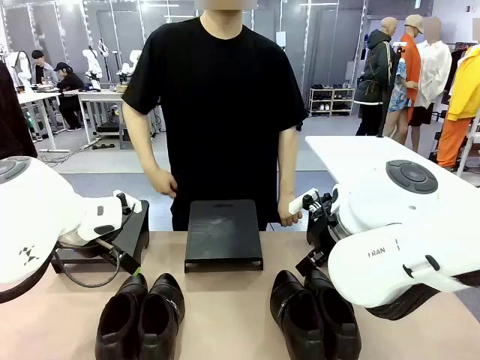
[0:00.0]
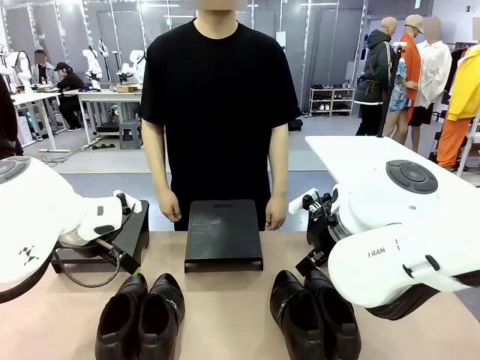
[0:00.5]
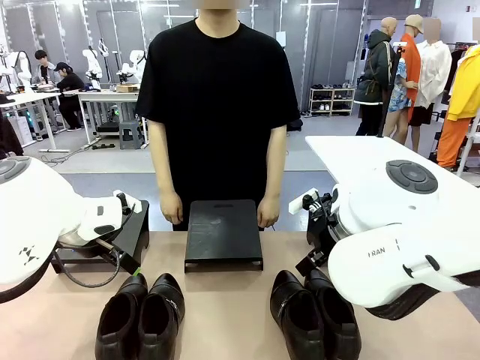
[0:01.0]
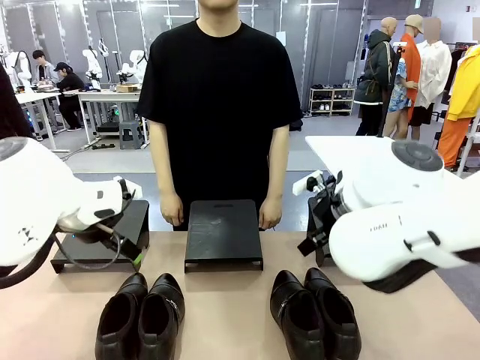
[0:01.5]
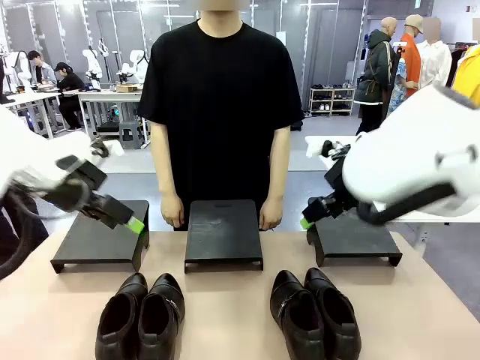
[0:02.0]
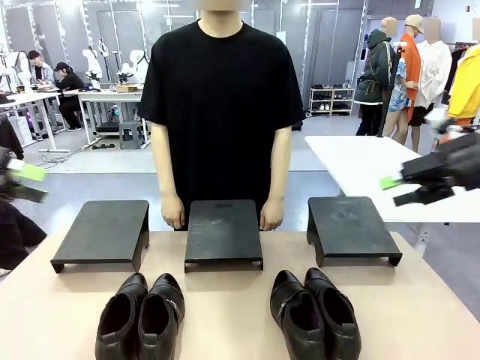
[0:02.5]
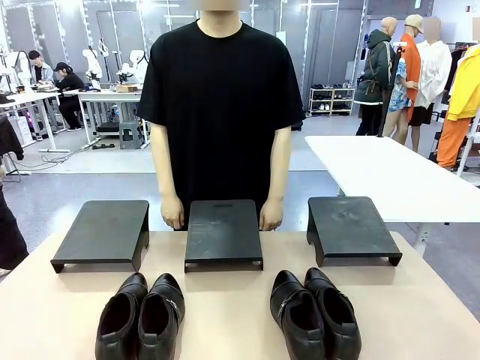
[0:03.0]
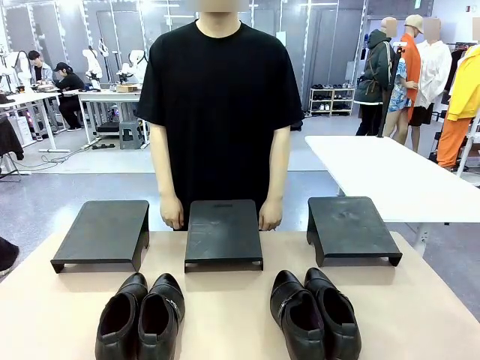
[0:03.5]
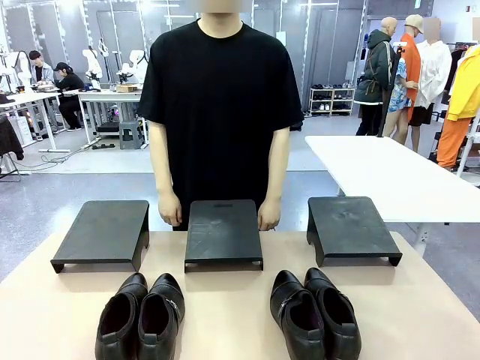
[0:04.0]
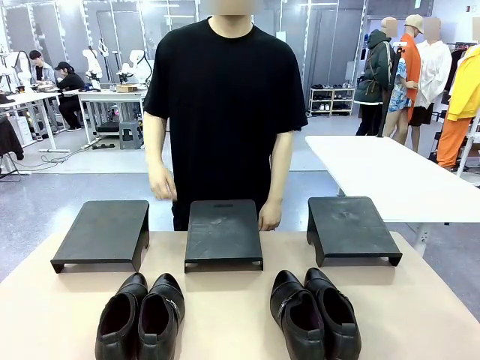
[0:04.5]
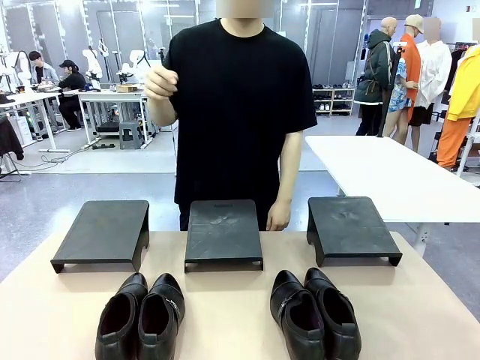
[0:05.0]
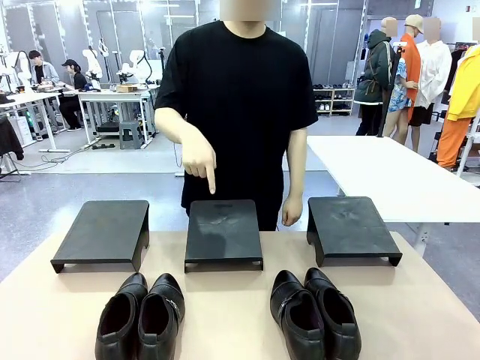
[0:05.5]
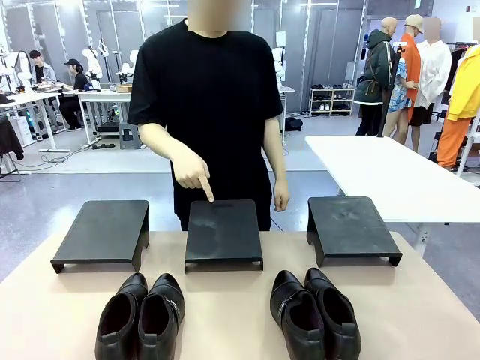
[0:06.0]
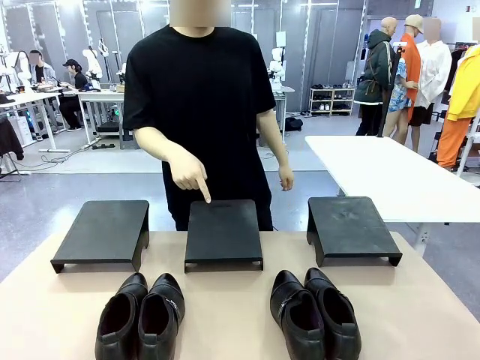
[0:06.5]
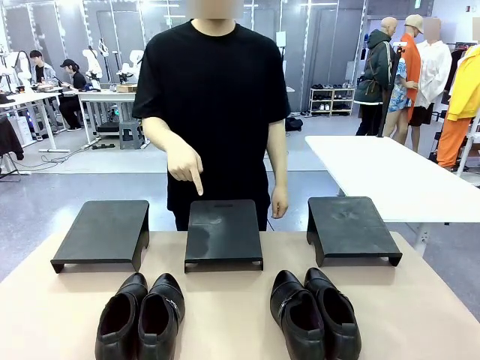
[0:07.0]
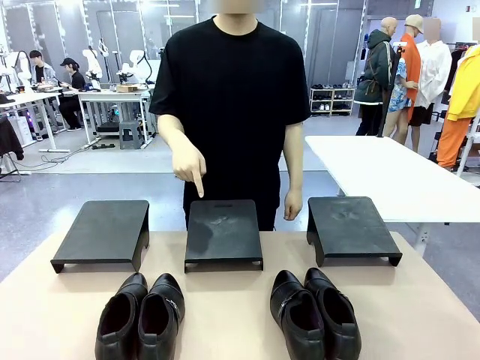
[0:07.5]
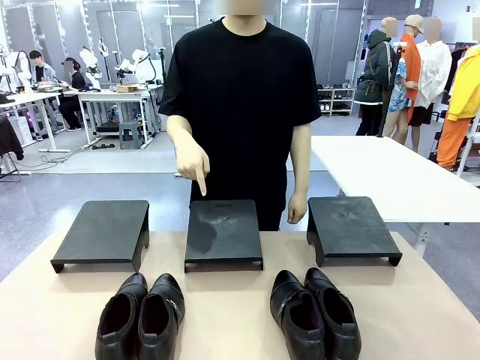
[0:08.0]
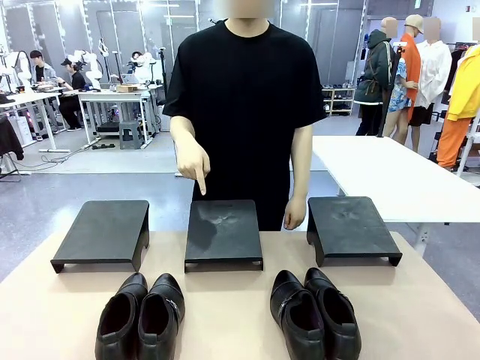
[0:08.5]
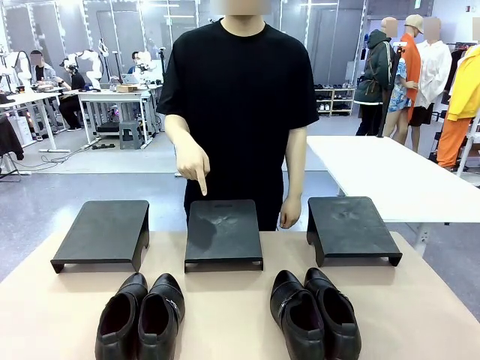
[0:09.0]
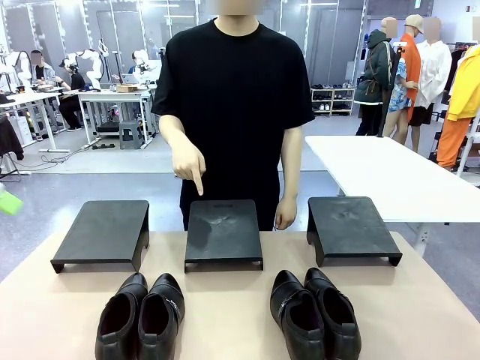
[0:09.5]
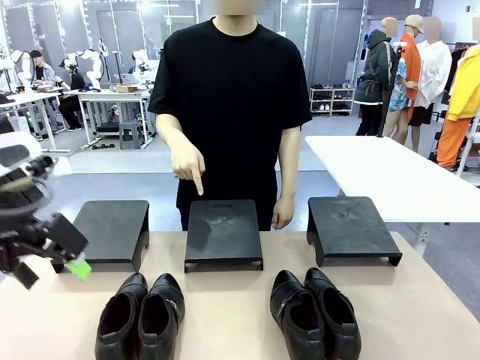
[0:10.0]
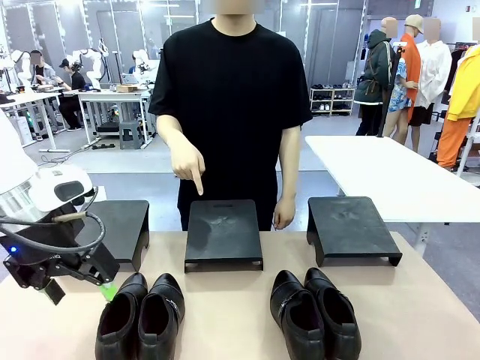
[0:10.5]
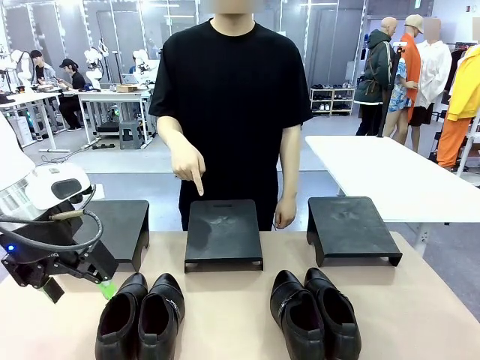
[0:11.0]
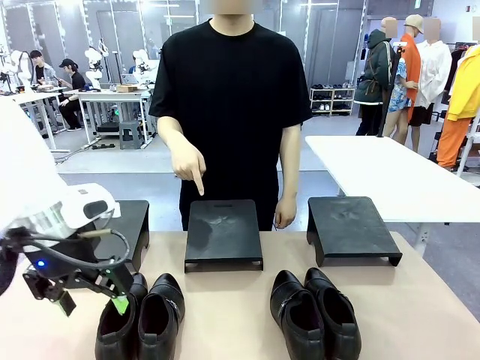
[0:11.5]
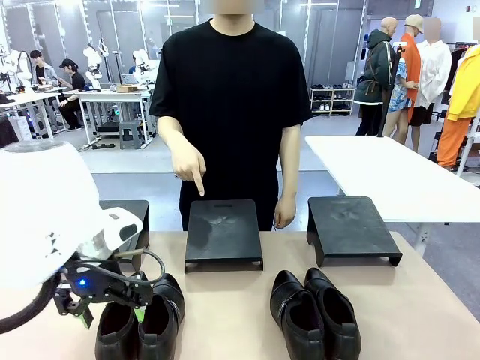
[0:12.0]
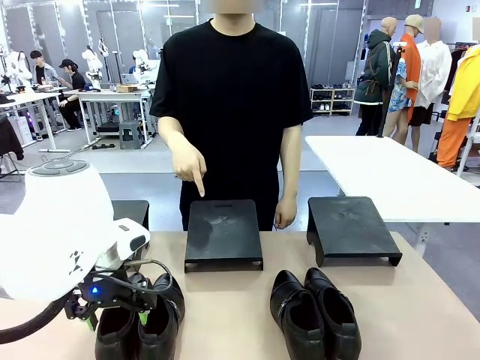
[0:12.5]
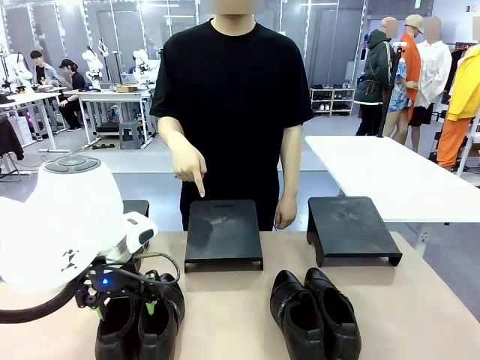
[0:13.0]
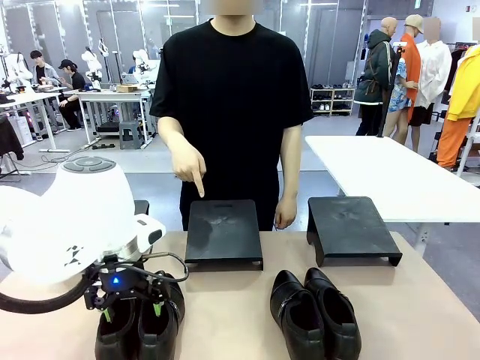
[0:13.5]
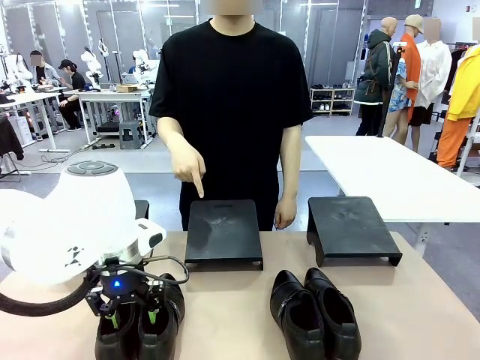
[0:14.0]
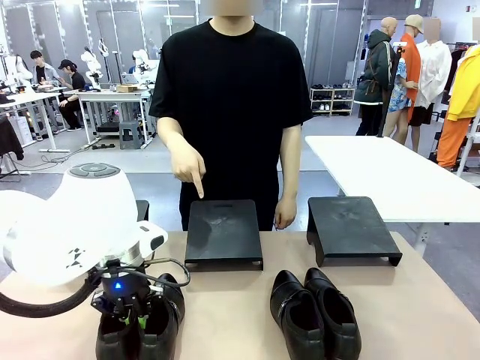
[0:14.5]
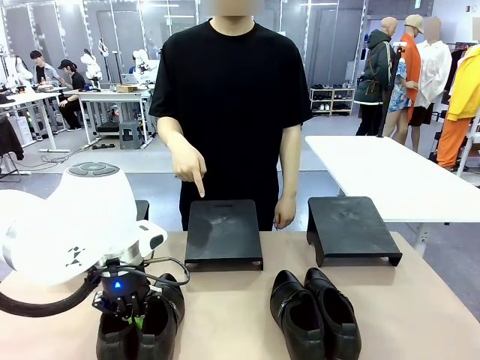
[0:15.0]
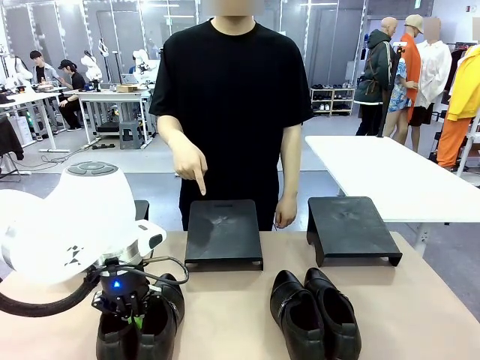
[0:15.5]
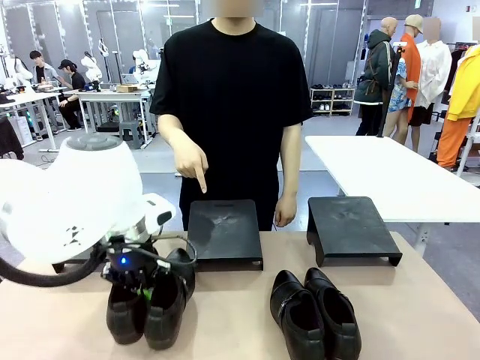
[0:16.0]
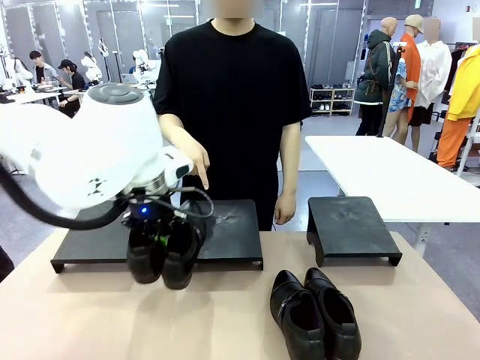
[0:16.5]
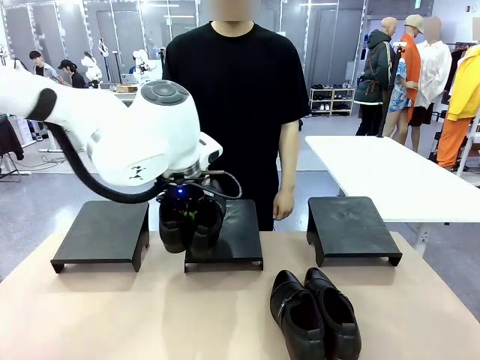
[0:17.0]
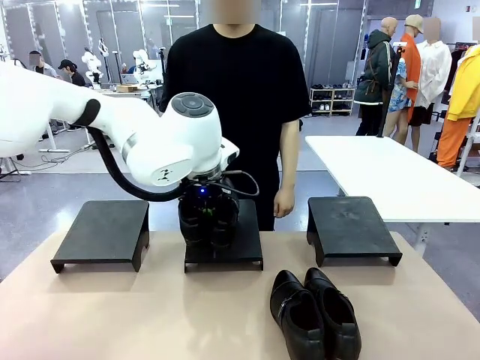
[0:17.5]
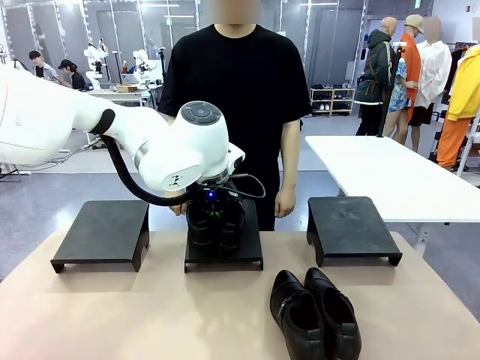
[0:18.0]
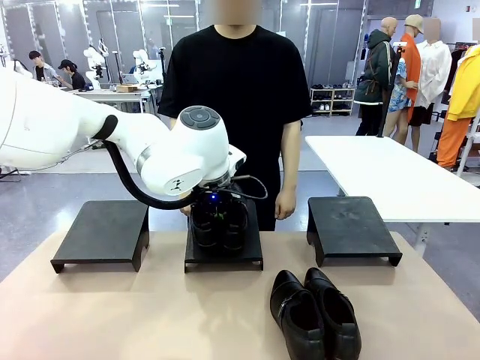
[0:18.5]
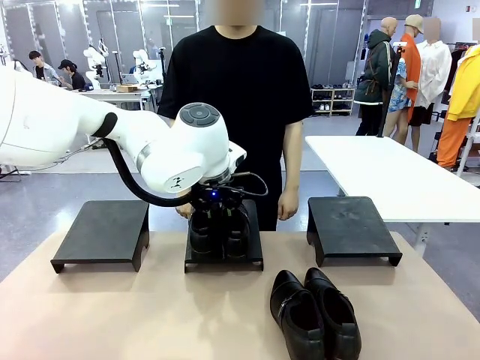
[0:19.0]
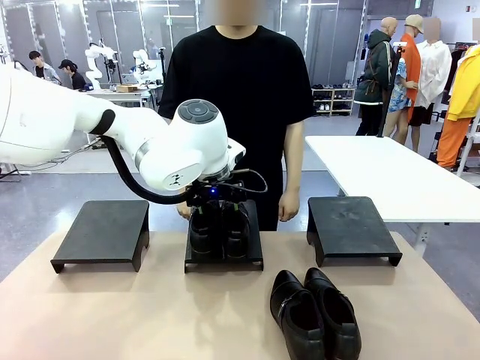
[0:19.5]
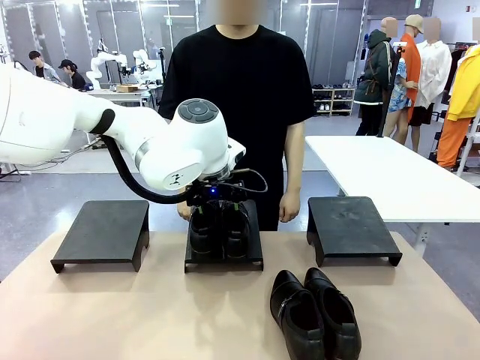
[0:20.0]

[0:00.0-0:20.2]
Task: Place the shoes on the stand as instructed by the person.
Robot: Pick up one pair of Shoes and place it on the Shoes Stand indicated by the person.
